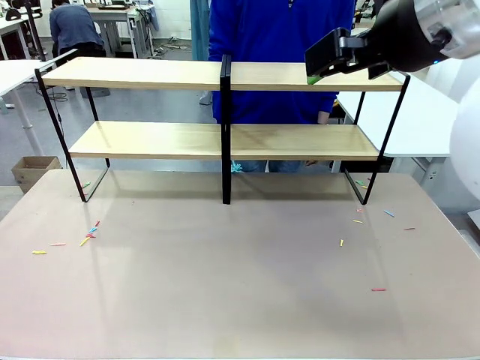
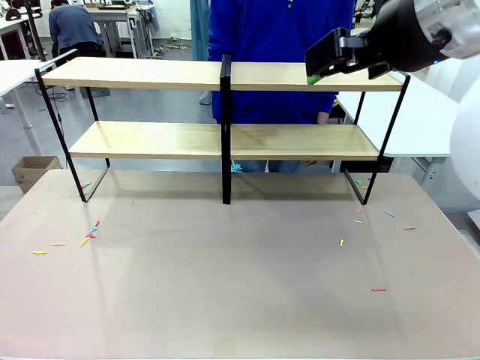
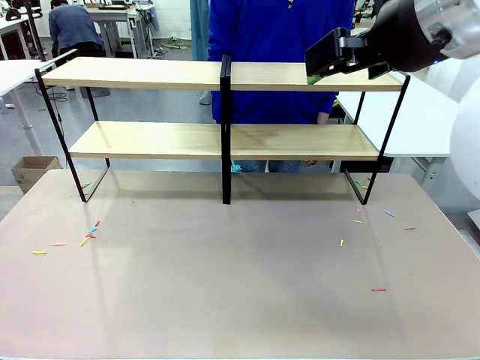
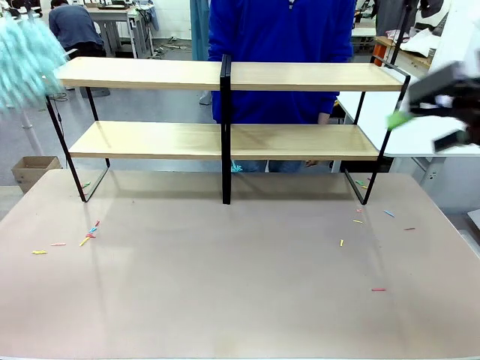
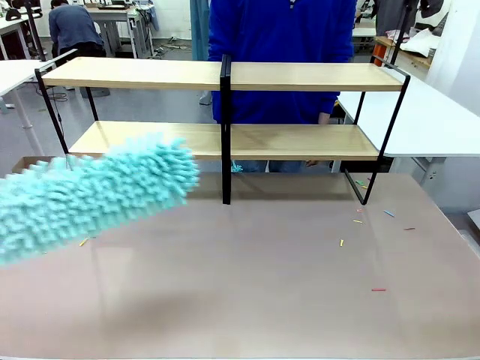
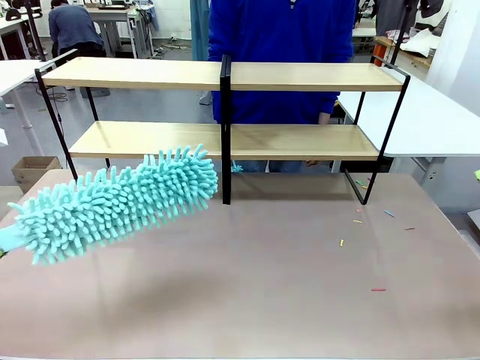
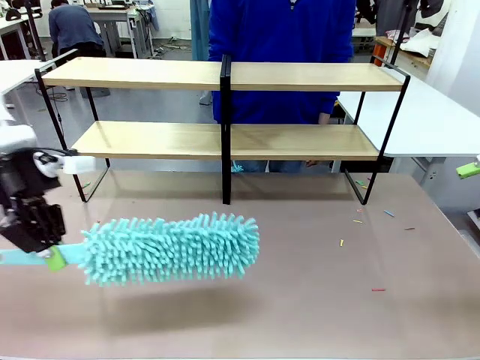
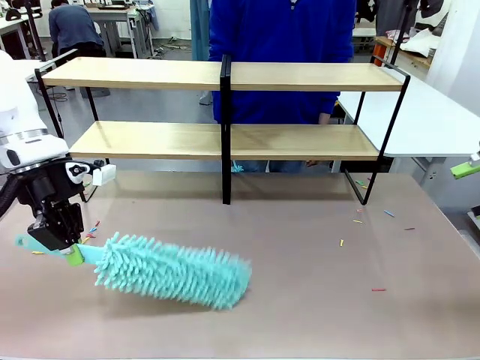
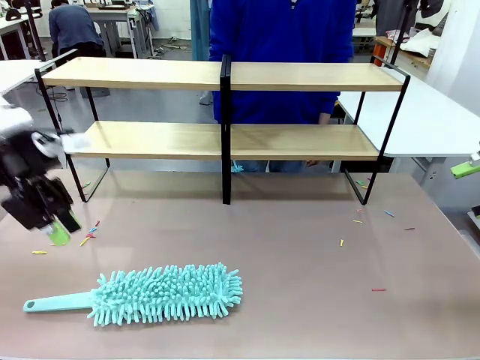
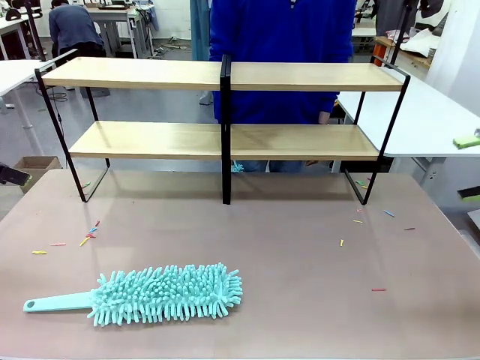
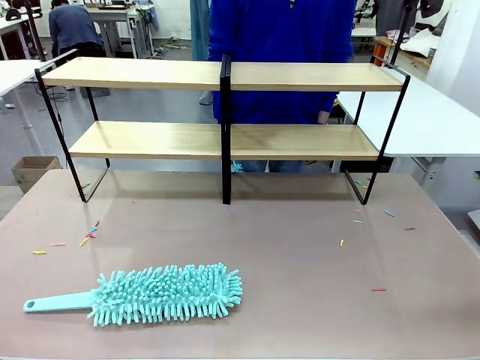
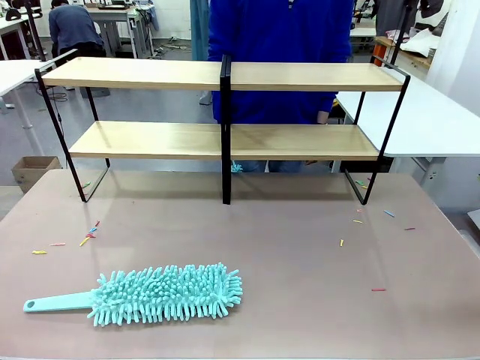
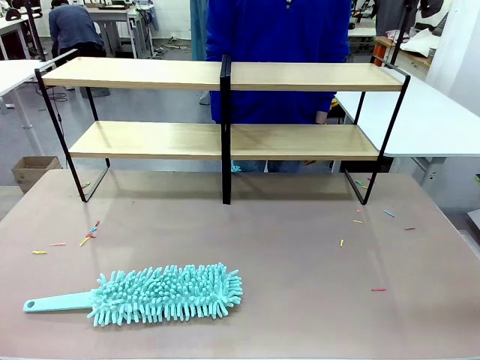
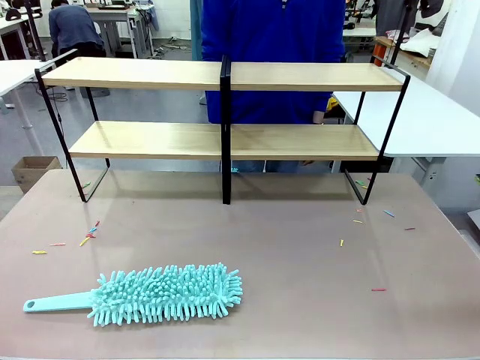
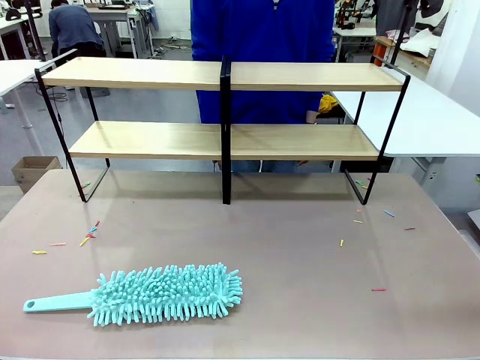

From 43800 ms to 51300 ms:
Task: Clean the shelves.
Robot: Place the Duster on the table.

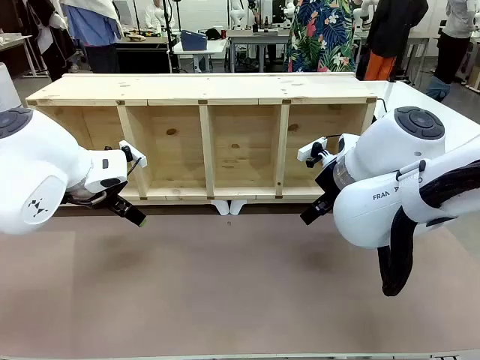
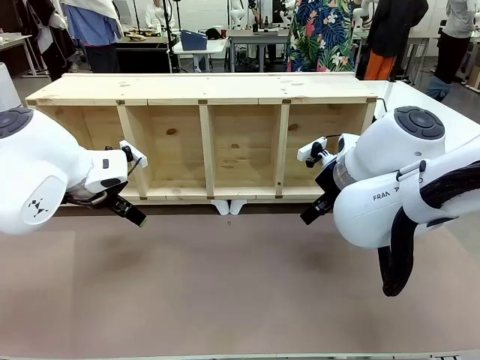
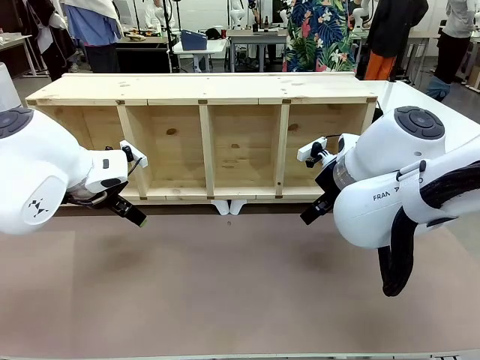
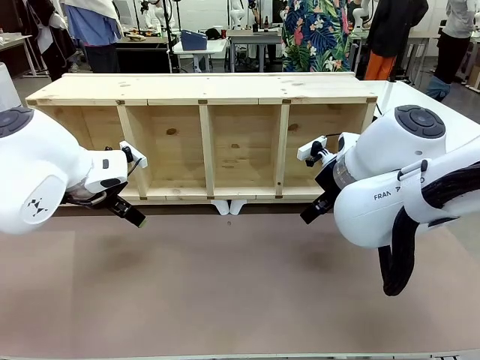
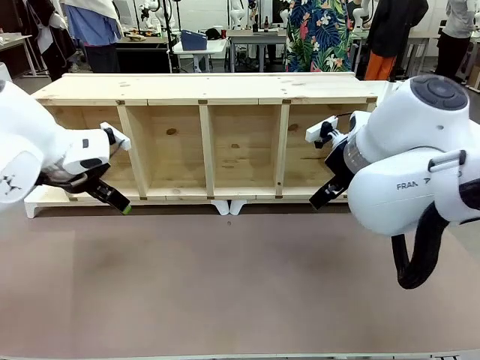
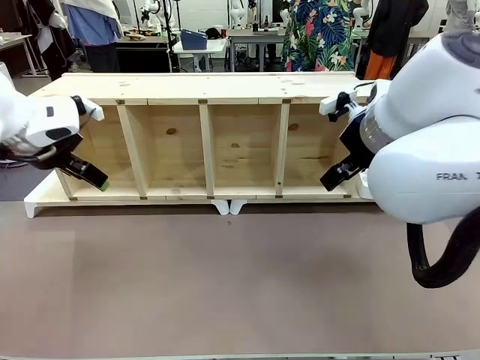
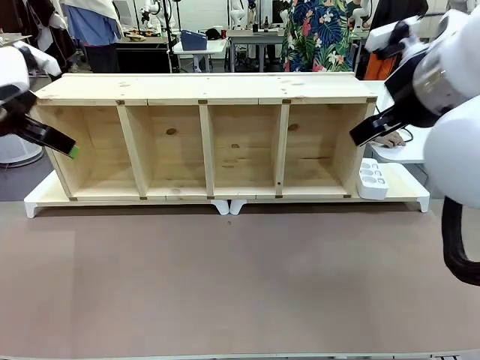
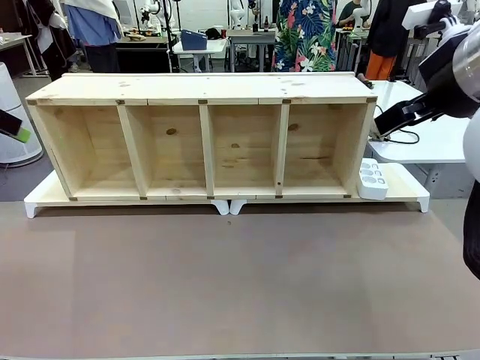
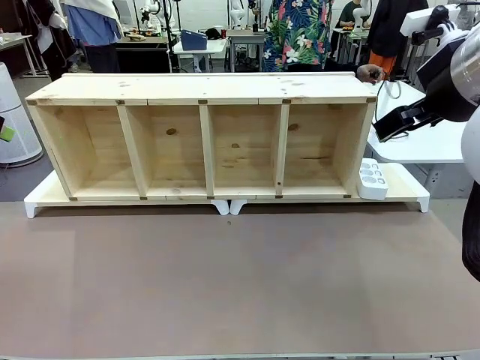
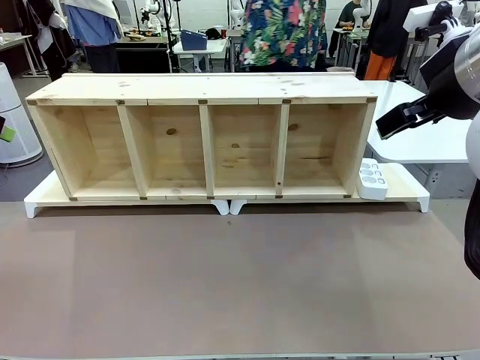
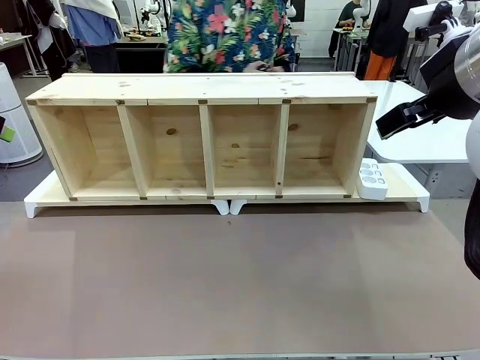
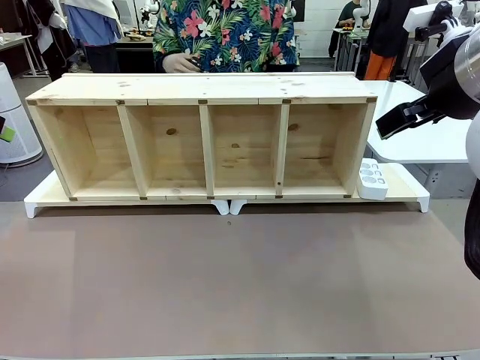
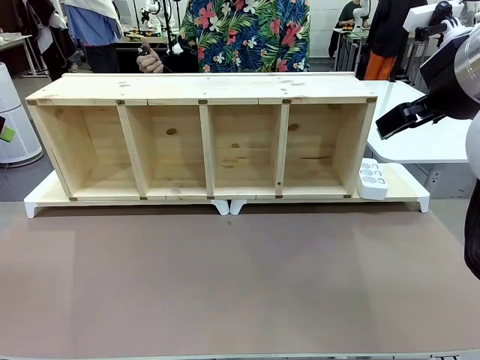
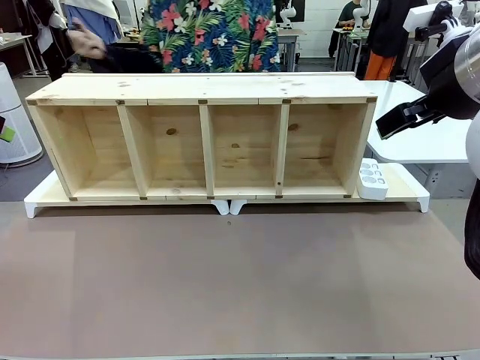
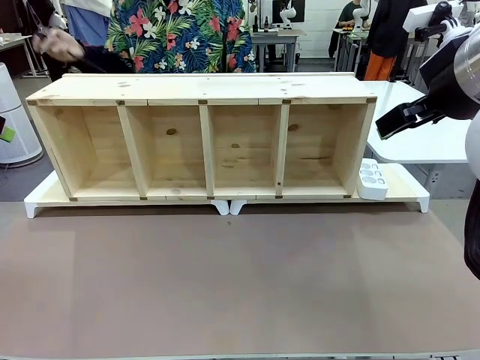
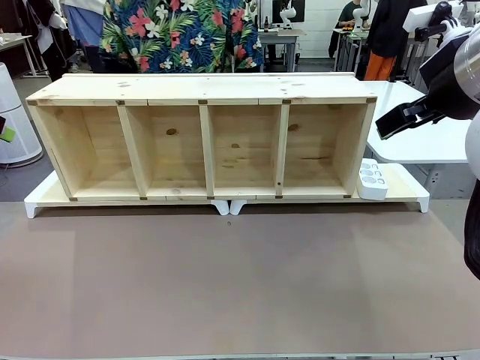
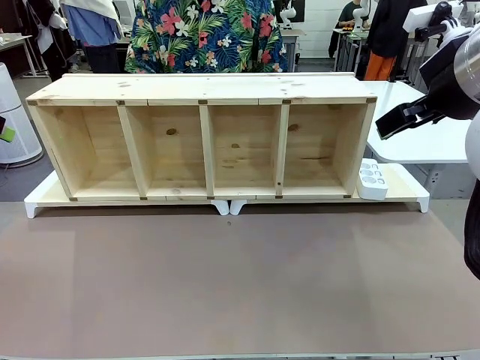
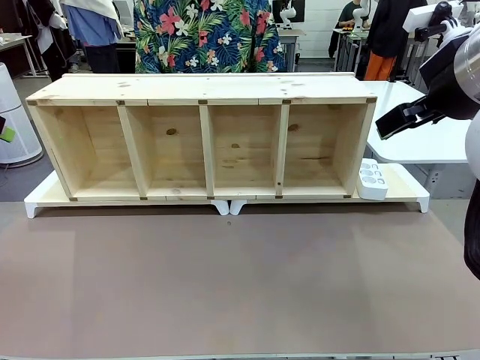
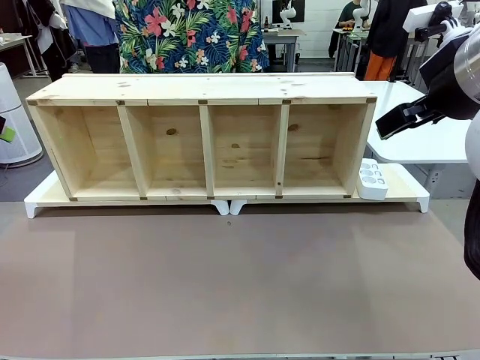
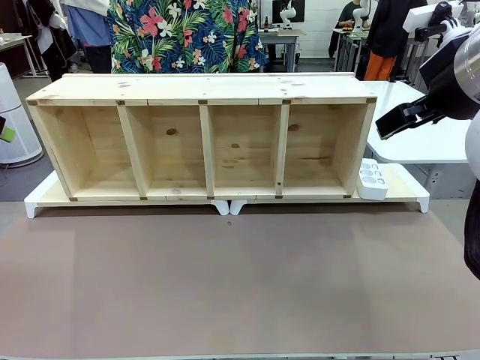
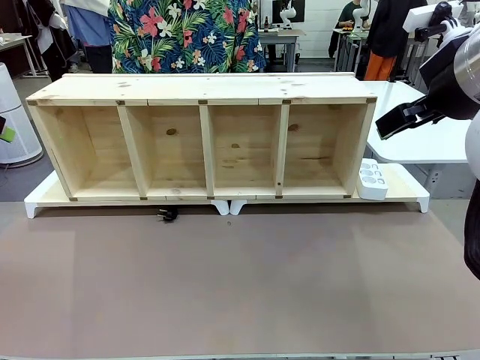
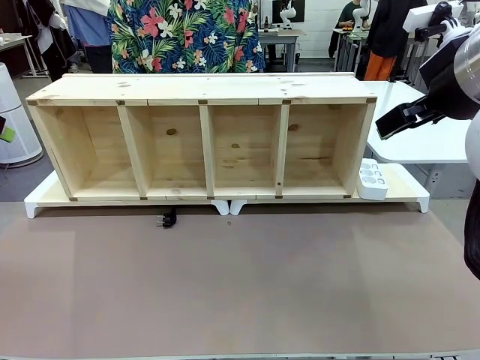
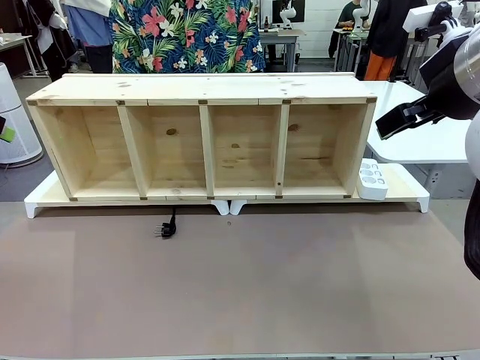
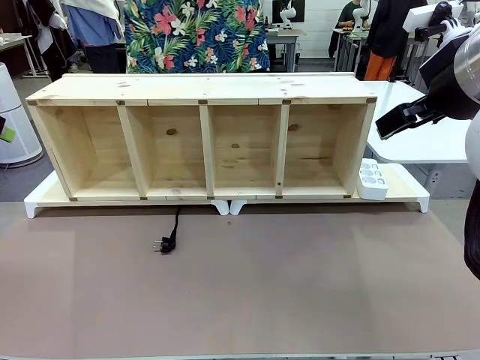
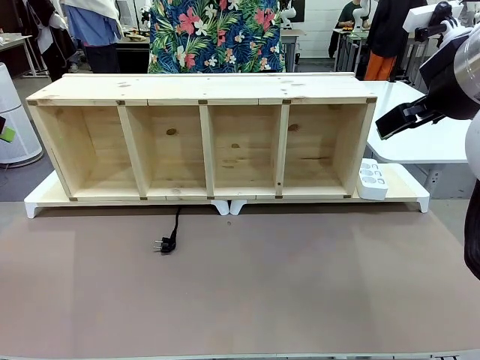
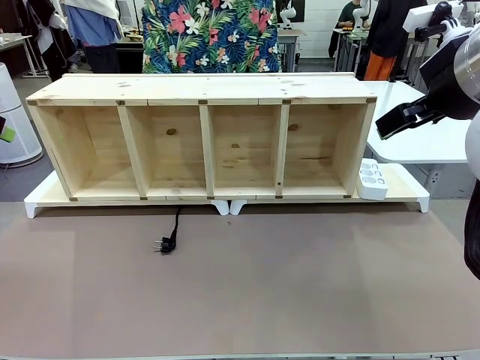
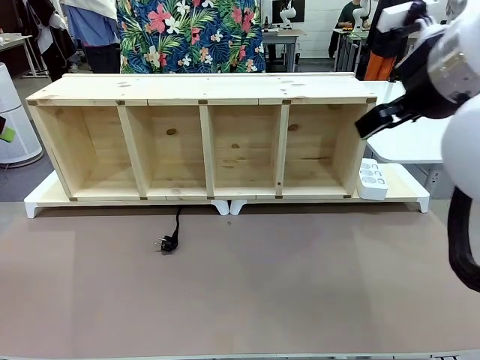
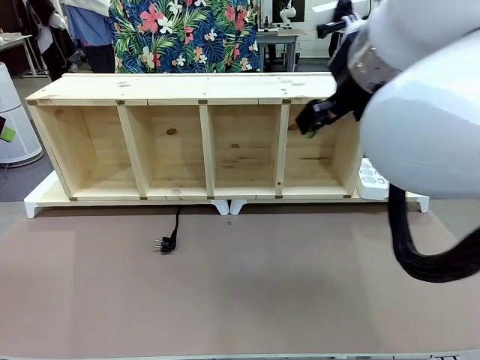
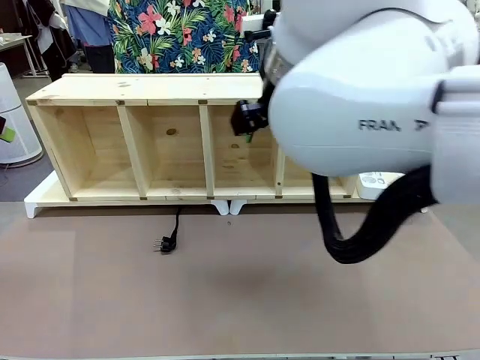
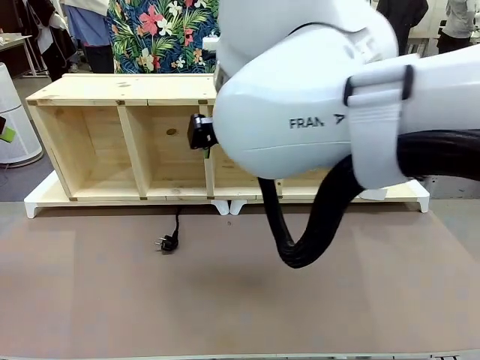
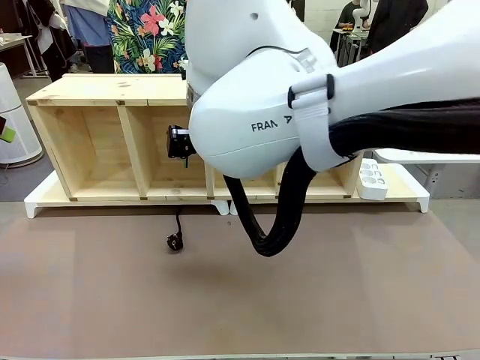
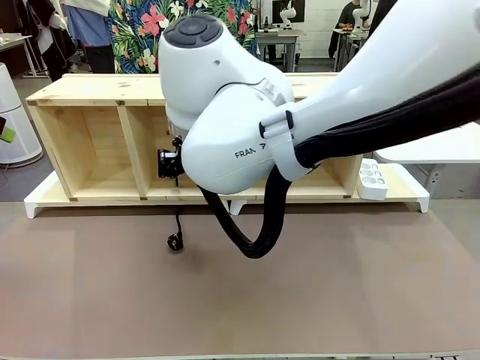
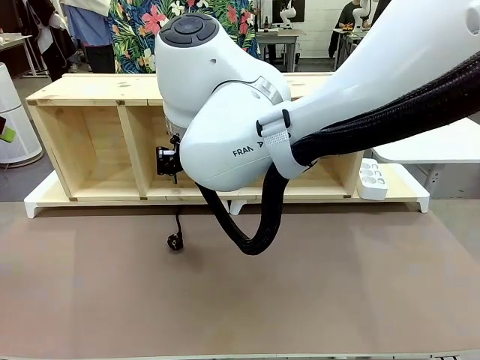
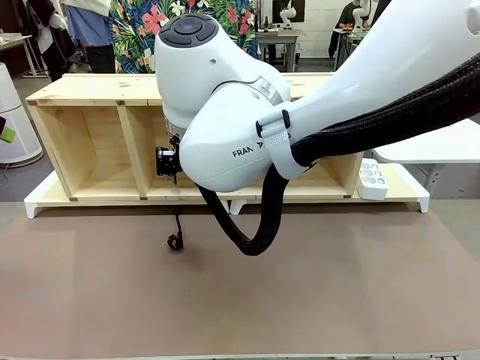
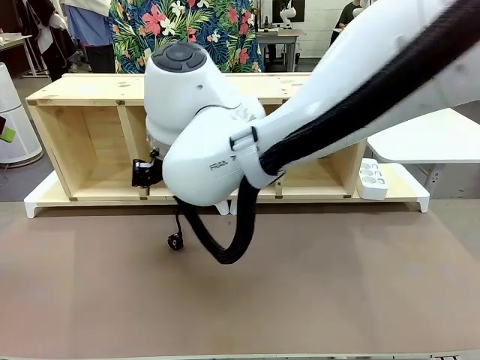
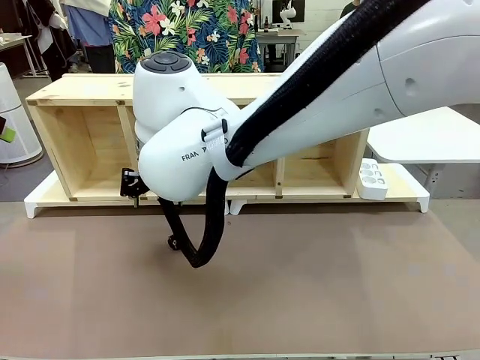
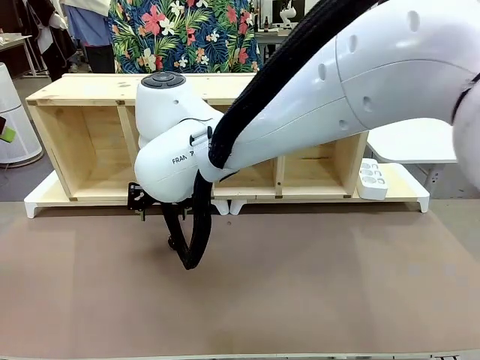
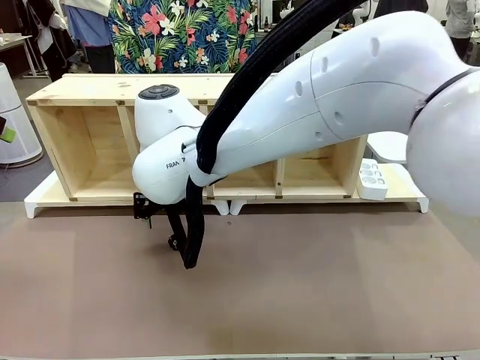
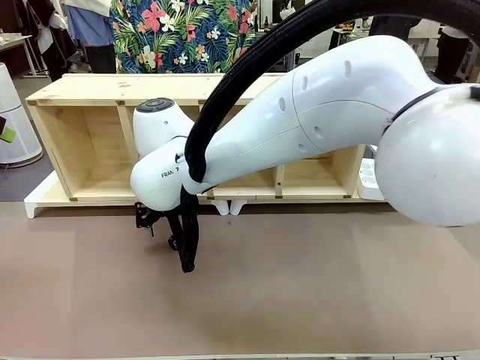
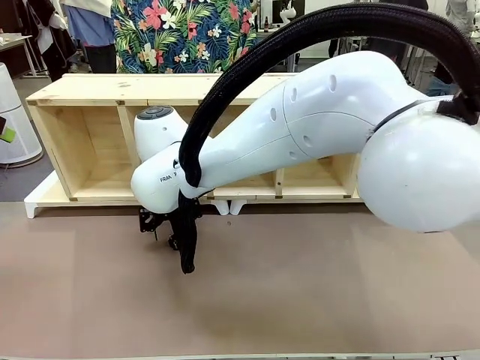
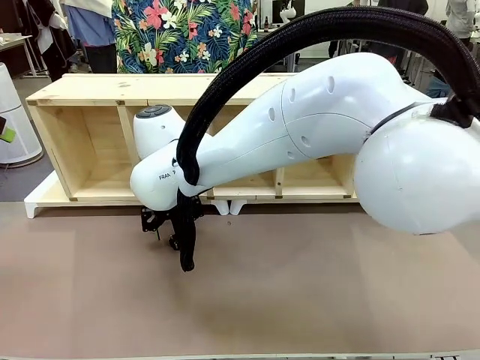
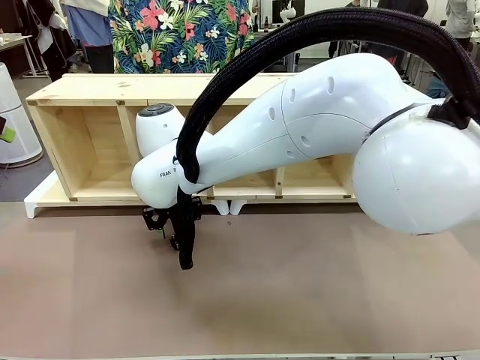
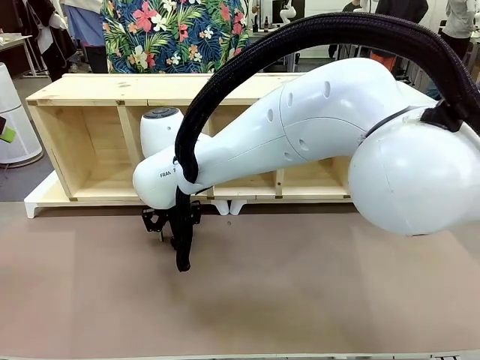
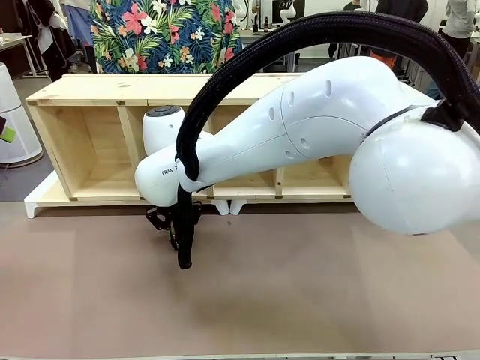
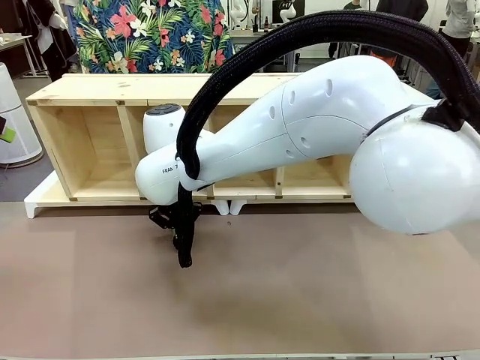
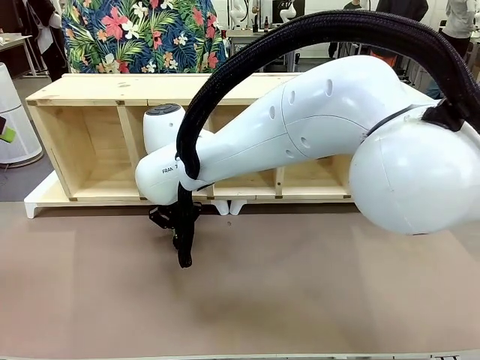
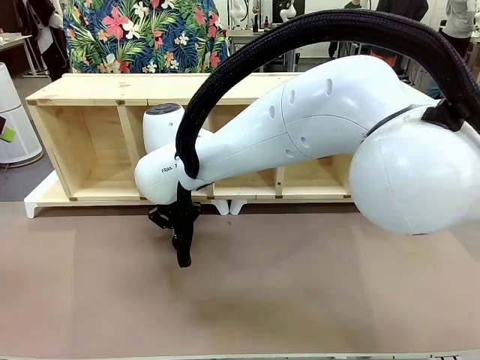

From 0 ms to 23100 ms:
Task: Perform cable management.
Robot: When the cord part of the Power Cable appears at the lower middle area of the table and stops, grasp the cord part of the Power Cable.
Person: Pass the Power Cable under the Serving Table.
